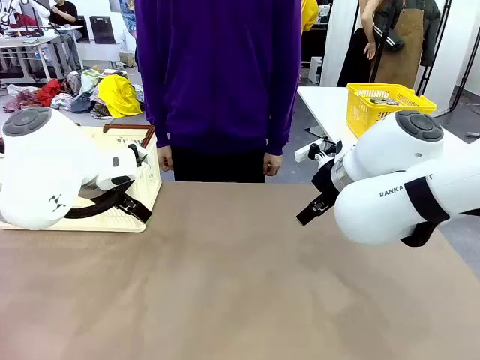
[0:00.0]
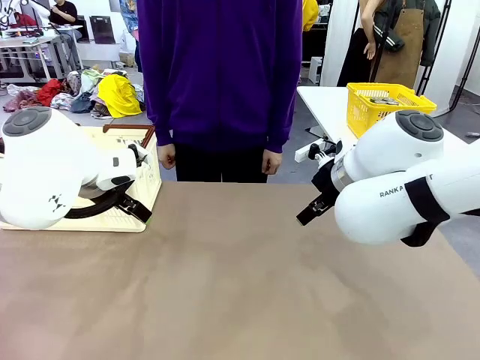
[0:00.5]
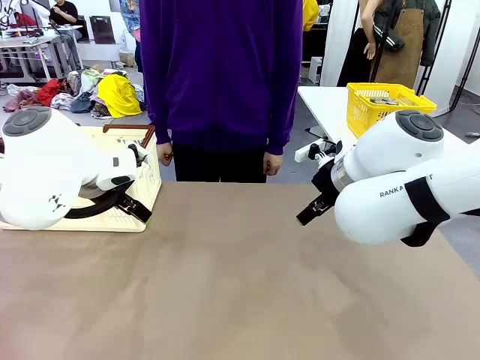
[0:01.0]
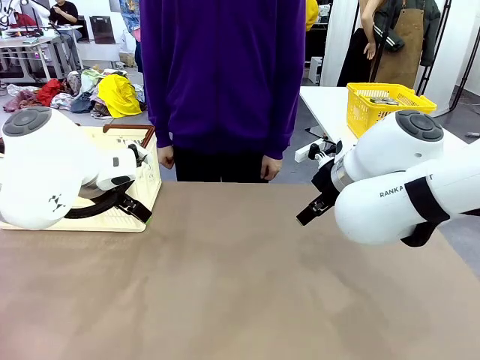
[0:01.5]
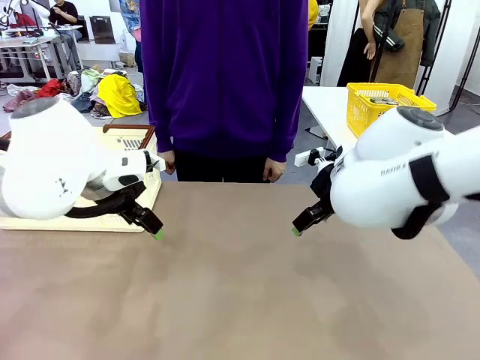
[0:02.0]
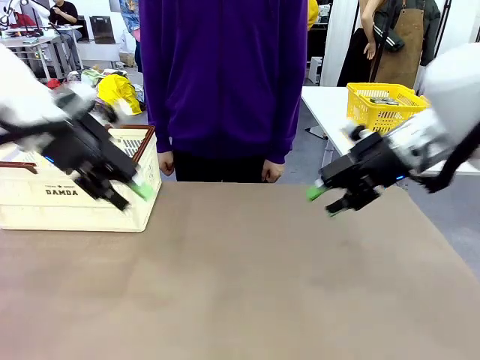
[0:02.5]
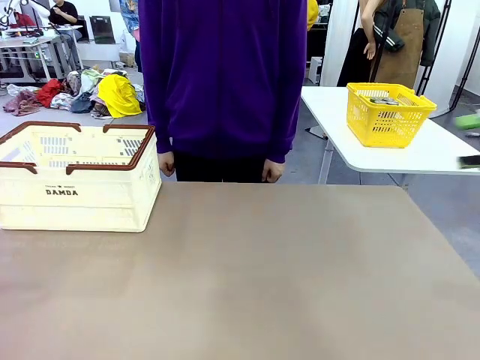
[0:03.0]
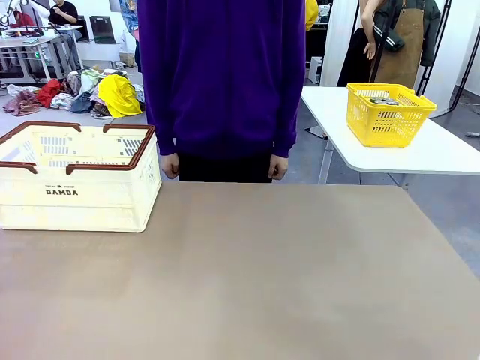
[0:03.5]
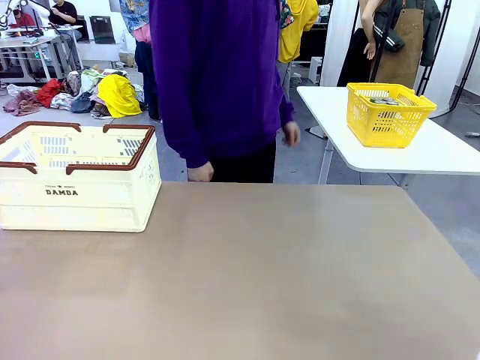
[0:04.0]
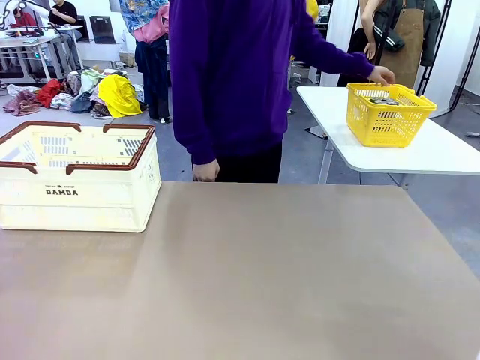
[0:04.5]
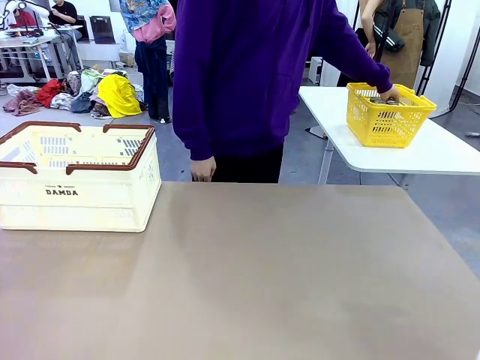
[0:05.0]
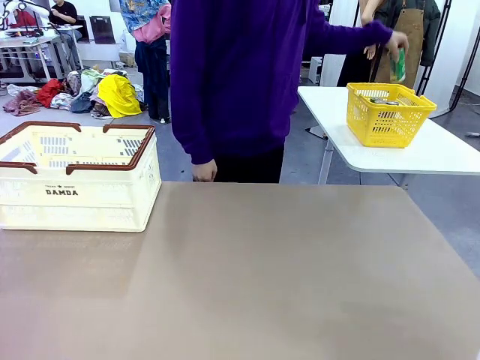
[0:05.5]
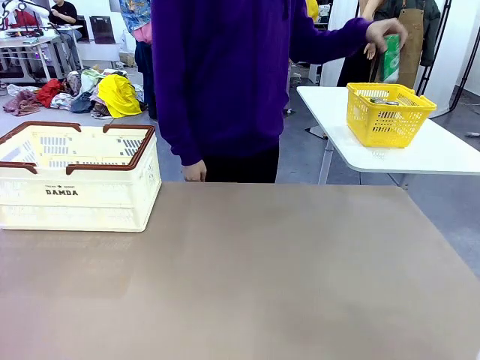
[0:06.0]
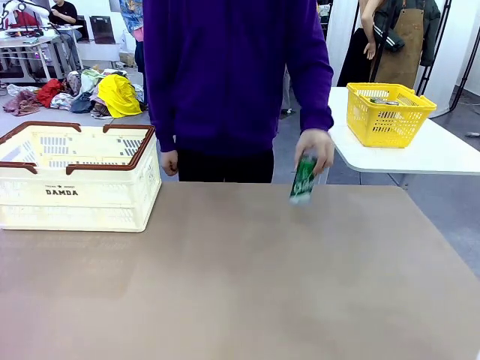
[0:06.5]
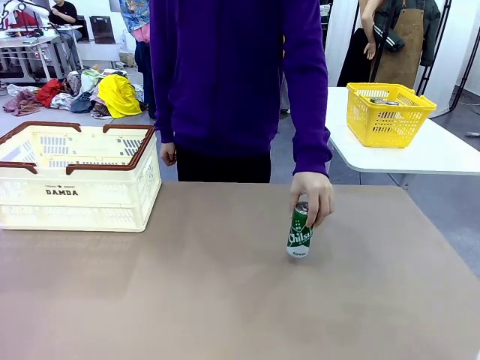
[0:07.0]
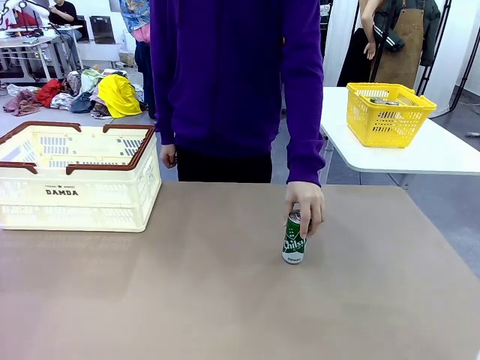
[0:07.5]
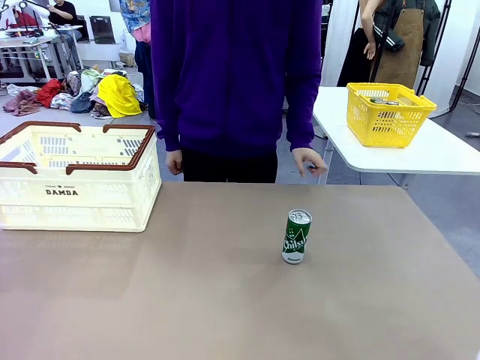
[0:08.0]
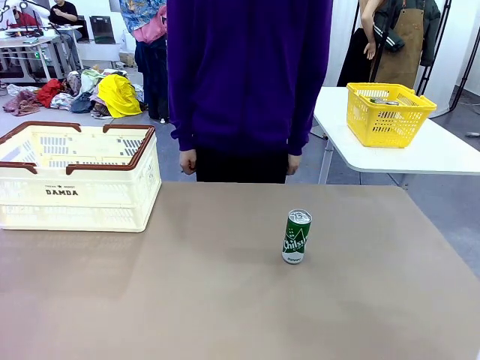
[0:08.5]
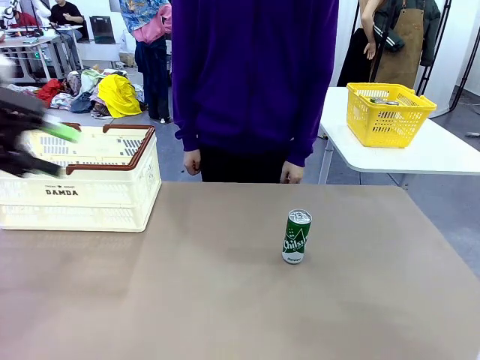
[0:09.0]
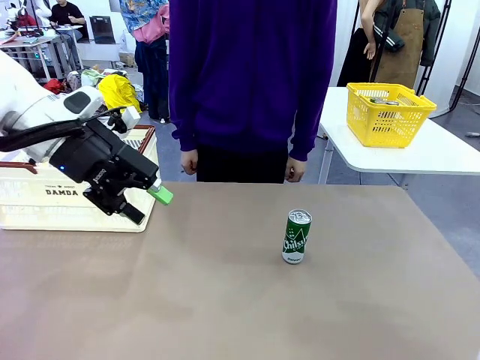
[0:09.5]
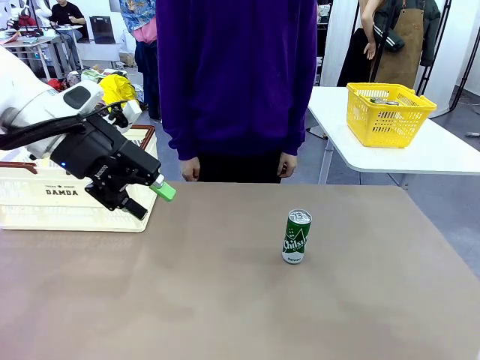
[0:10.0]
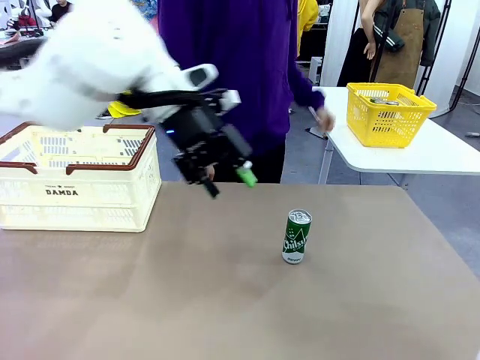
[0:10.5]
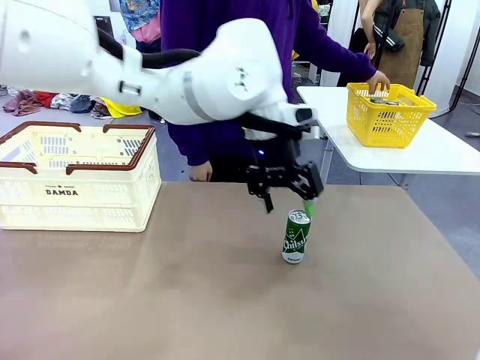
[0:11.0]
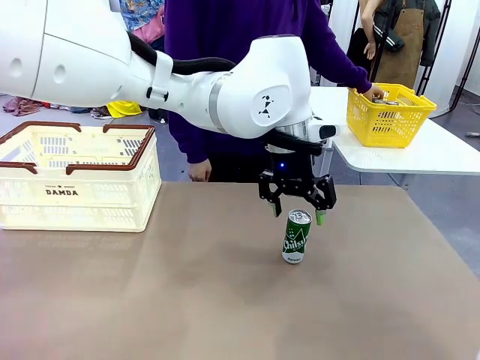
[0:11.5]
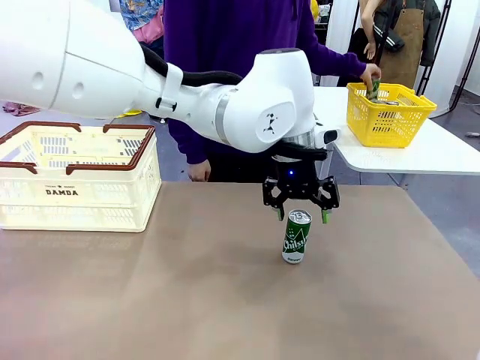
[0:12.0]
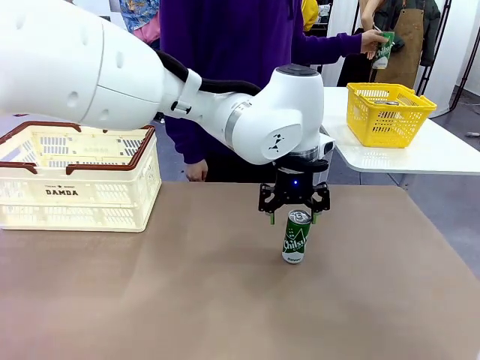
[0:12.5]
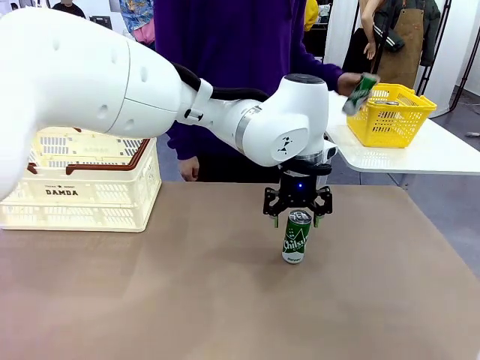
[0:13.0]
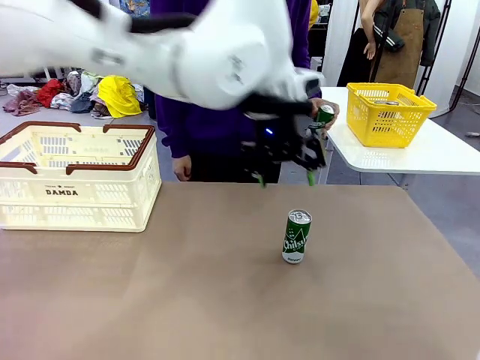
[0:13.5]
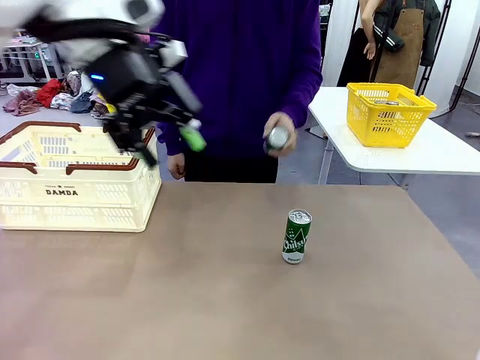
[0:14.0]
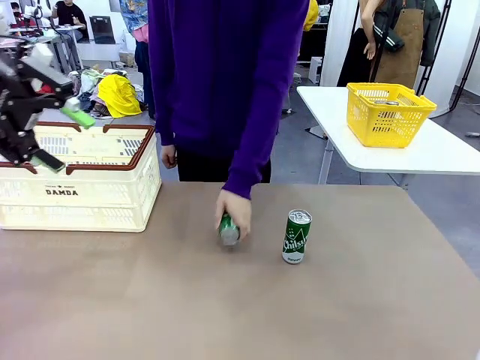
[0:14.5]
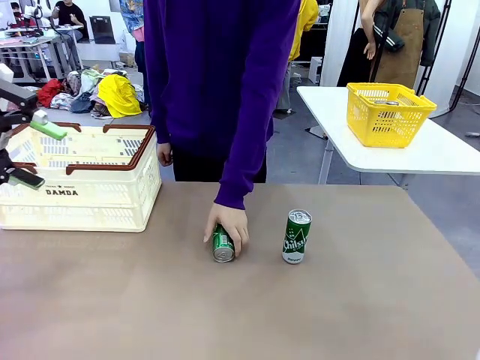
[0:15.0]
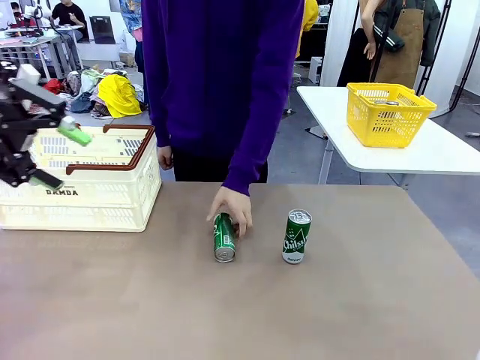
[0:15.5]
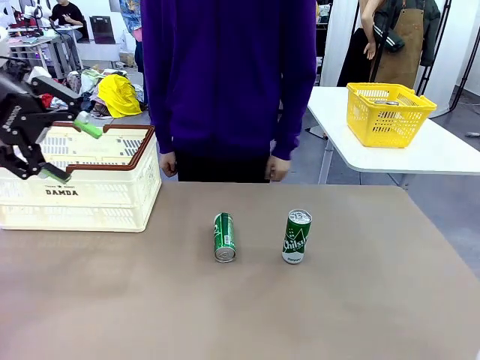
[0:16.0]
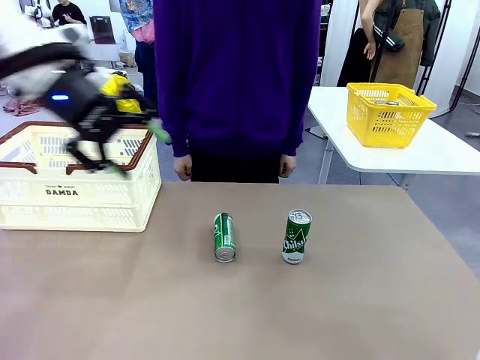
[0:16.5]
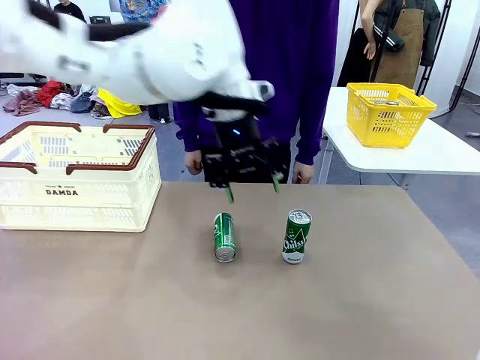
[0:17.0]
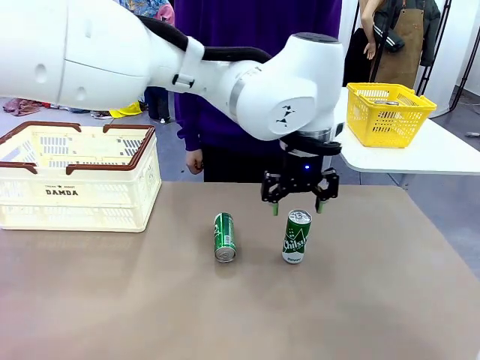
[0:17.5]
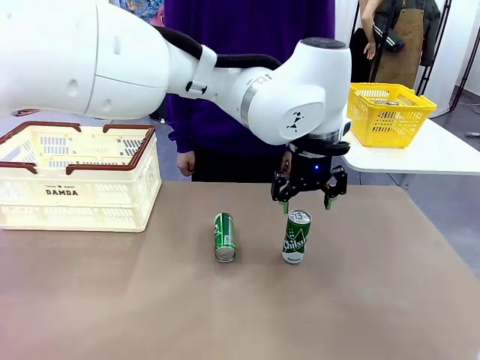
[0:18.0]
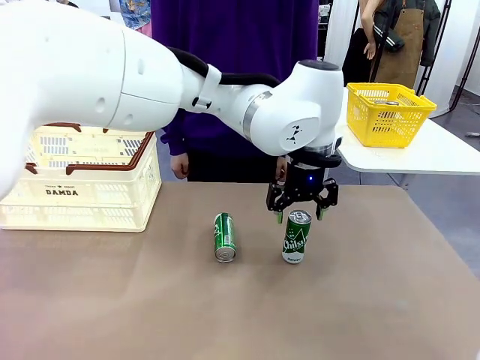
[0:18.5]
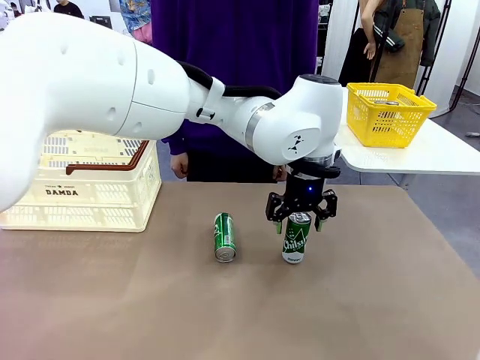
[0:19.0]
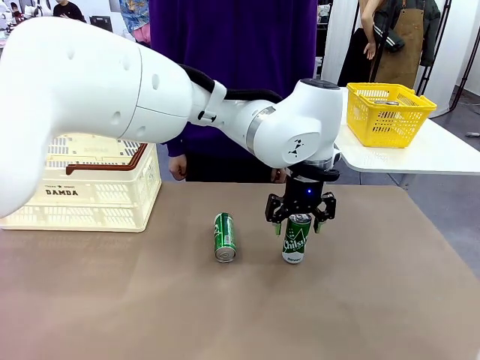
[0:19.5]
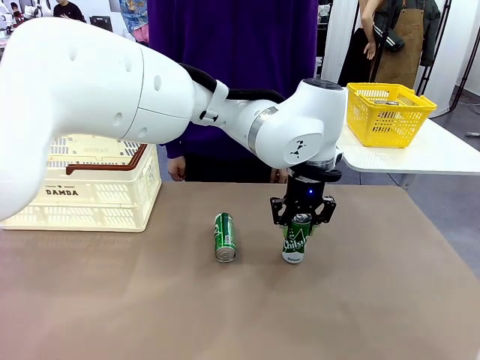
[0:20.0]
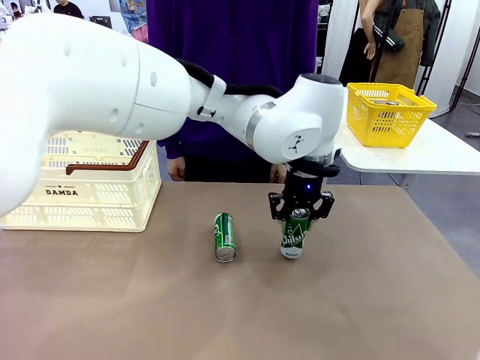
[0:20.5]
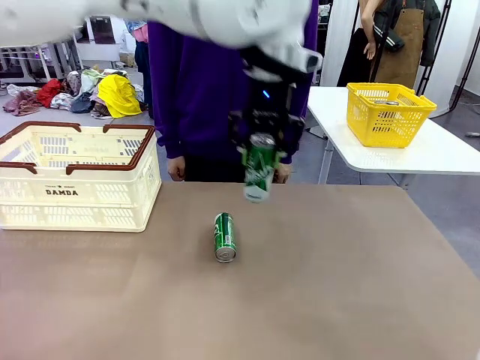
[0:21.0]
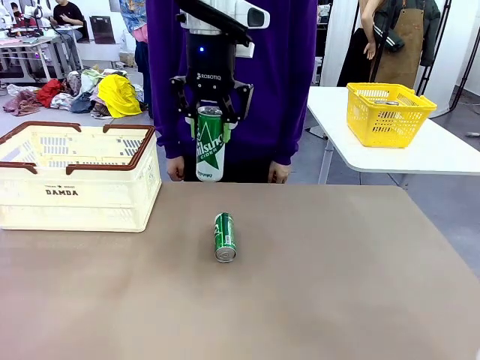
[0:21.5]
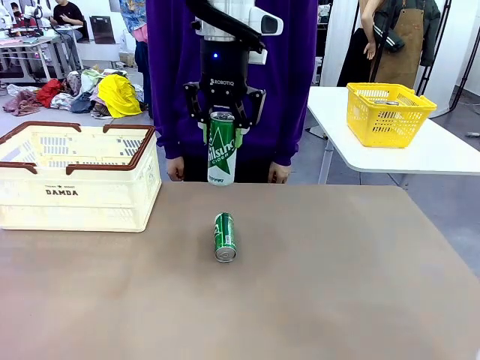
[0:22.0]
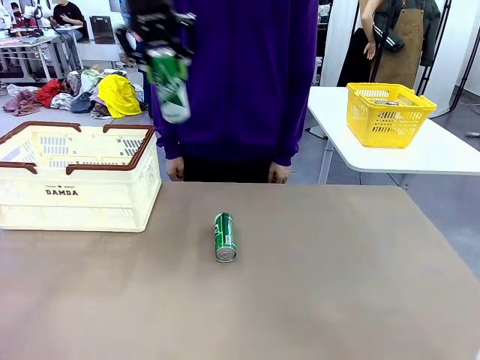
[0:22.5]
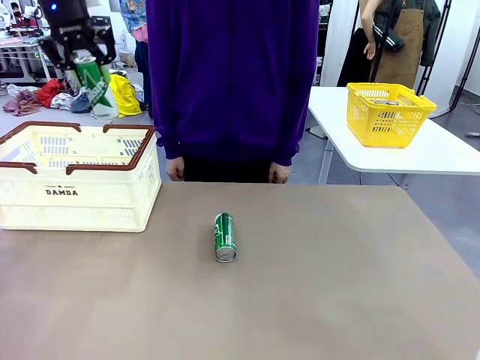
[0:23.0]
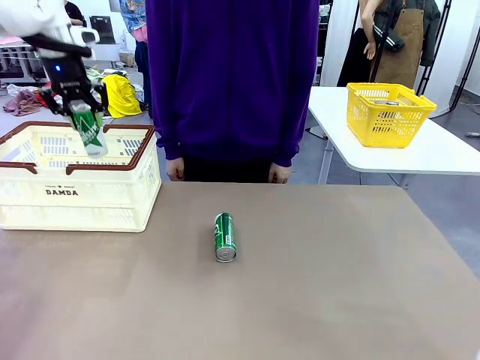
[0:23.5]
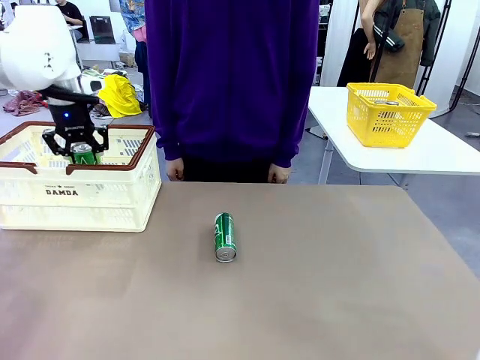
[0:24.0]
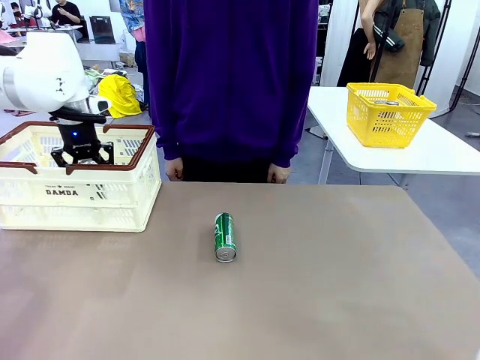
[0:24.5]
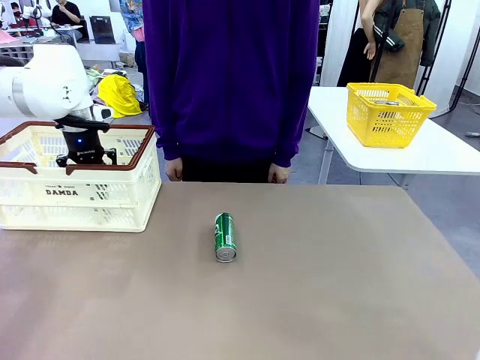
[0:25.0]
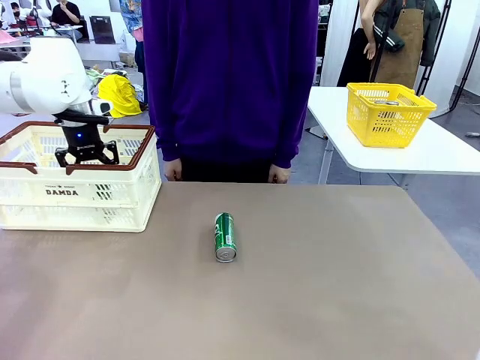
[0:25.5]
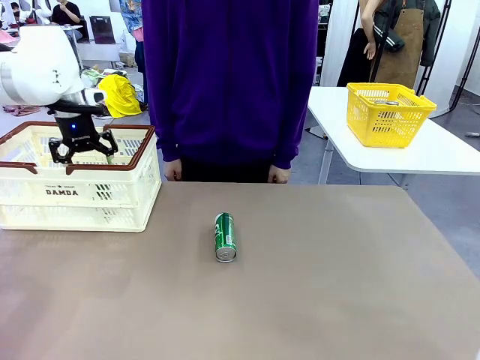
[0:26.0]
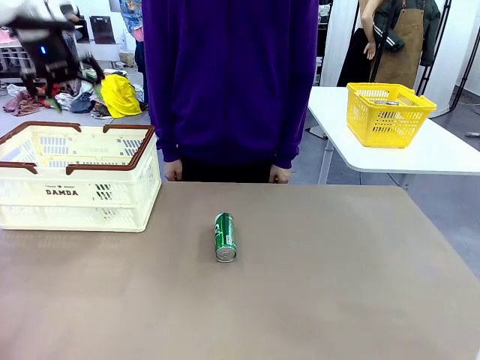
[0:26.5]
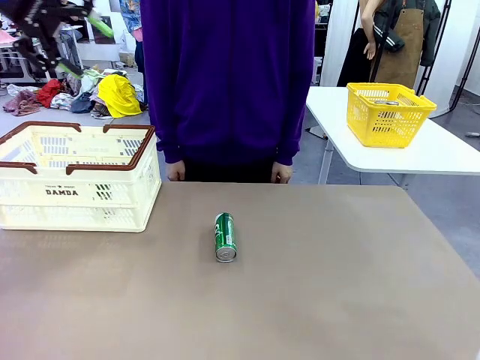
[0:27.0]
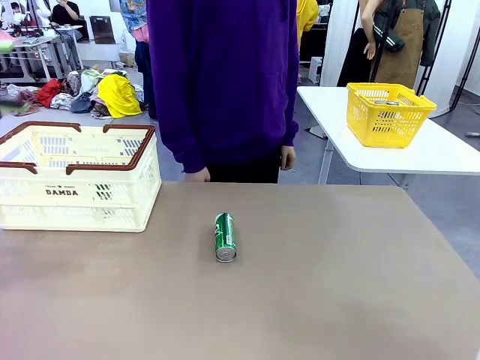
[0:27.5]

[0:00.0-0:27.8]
Task: Place the drinks into the Shopping basket.
Robot: Pick up one drink and place it into the Shopping basket.
